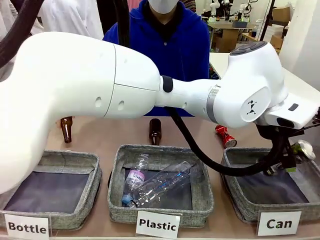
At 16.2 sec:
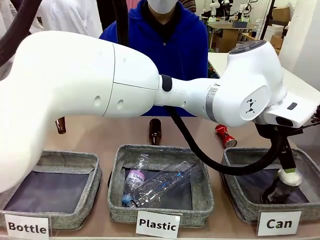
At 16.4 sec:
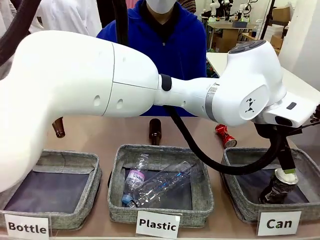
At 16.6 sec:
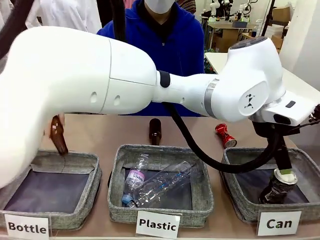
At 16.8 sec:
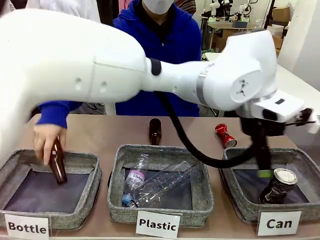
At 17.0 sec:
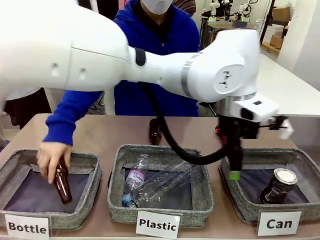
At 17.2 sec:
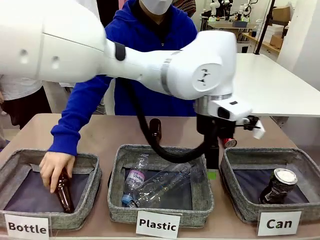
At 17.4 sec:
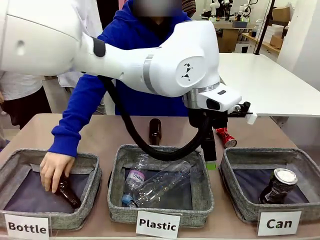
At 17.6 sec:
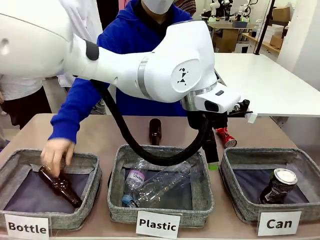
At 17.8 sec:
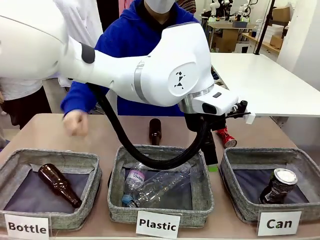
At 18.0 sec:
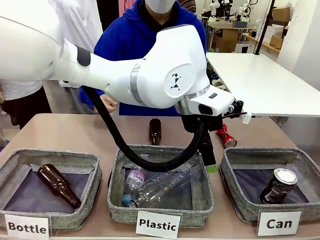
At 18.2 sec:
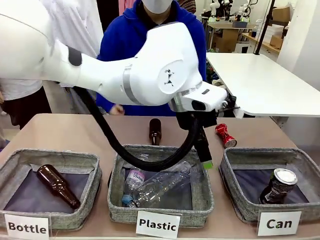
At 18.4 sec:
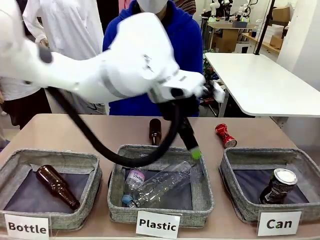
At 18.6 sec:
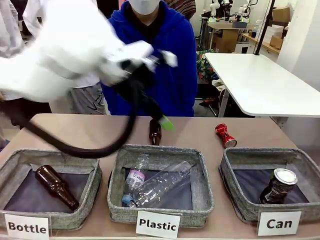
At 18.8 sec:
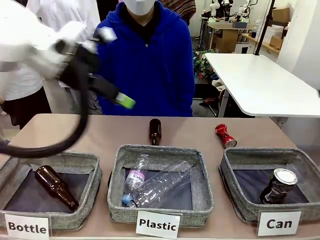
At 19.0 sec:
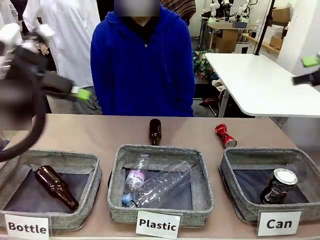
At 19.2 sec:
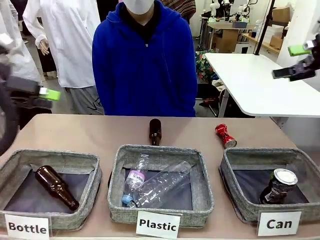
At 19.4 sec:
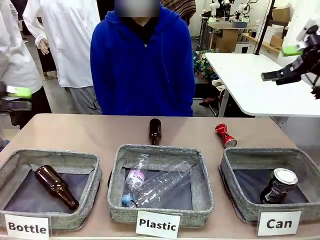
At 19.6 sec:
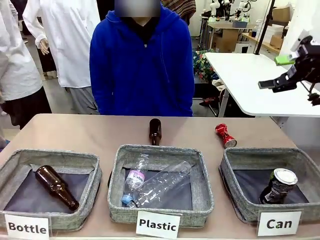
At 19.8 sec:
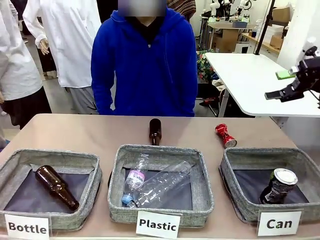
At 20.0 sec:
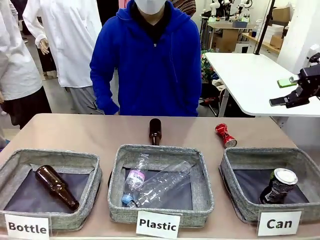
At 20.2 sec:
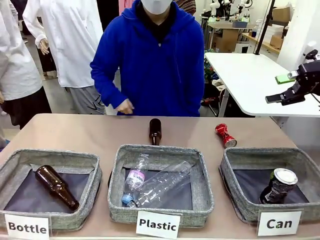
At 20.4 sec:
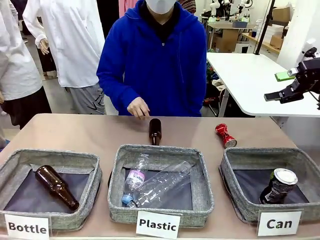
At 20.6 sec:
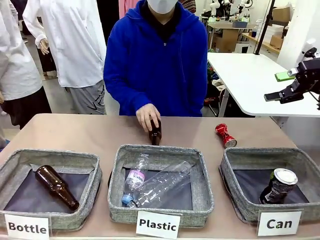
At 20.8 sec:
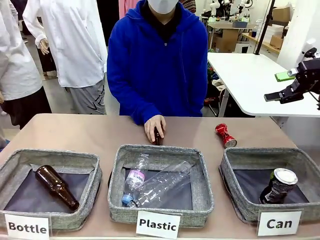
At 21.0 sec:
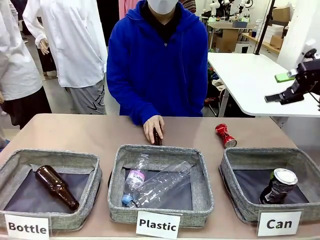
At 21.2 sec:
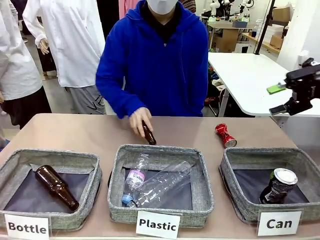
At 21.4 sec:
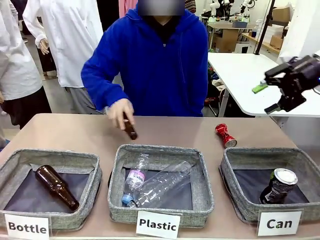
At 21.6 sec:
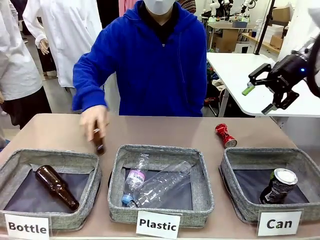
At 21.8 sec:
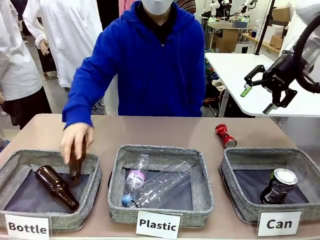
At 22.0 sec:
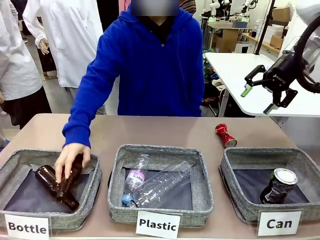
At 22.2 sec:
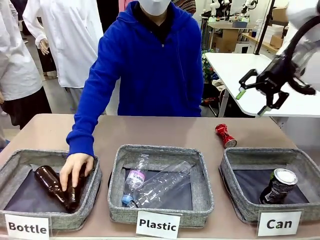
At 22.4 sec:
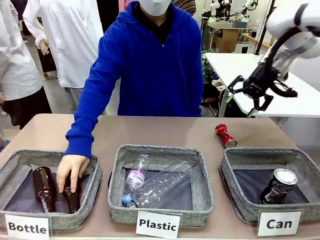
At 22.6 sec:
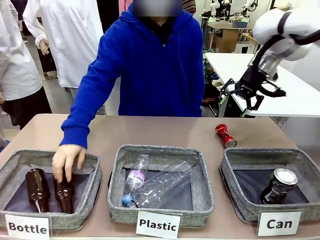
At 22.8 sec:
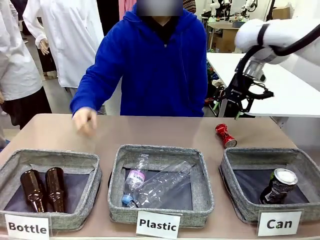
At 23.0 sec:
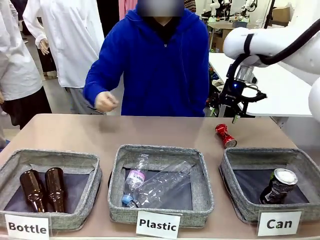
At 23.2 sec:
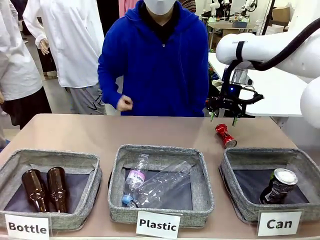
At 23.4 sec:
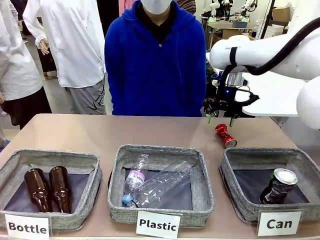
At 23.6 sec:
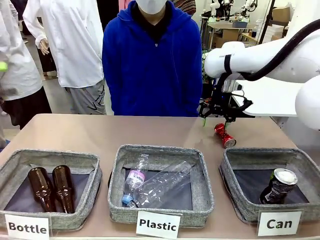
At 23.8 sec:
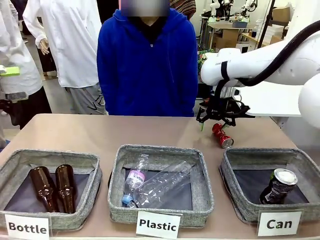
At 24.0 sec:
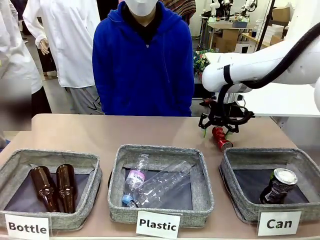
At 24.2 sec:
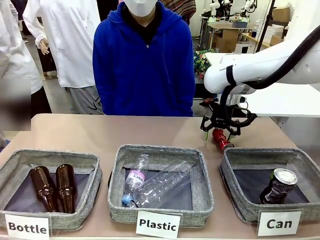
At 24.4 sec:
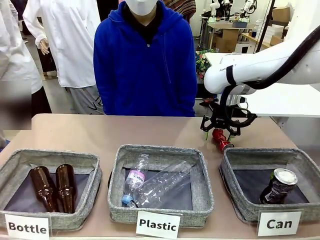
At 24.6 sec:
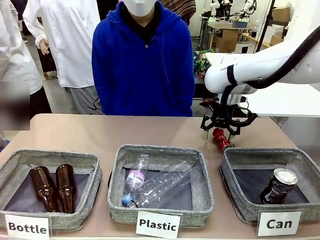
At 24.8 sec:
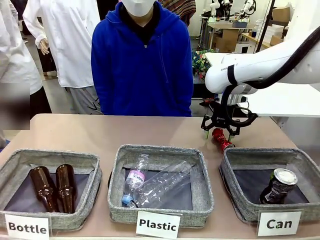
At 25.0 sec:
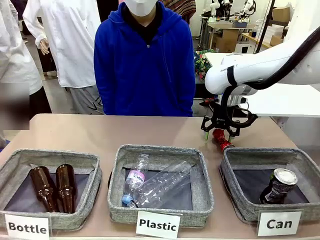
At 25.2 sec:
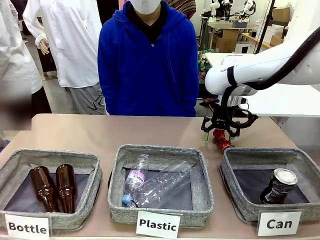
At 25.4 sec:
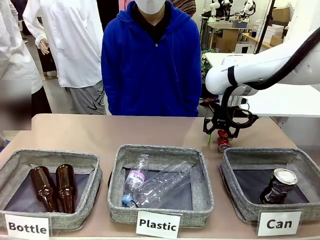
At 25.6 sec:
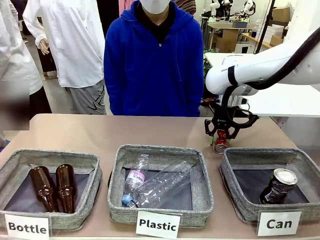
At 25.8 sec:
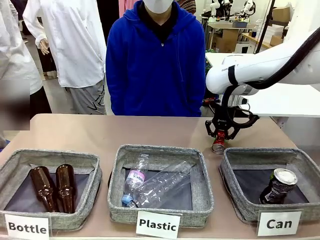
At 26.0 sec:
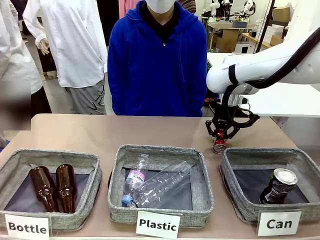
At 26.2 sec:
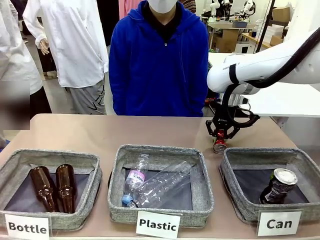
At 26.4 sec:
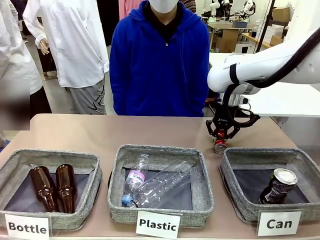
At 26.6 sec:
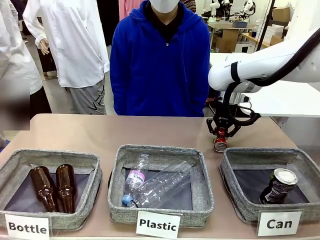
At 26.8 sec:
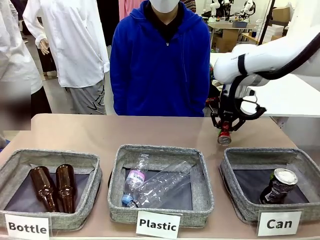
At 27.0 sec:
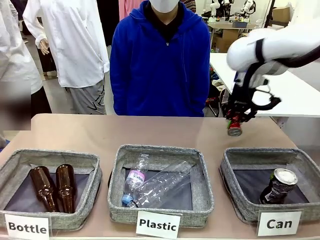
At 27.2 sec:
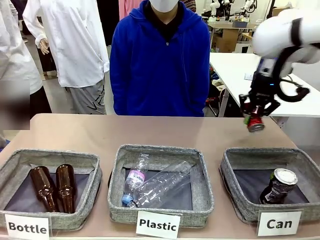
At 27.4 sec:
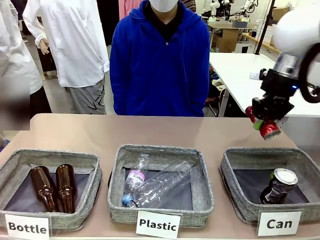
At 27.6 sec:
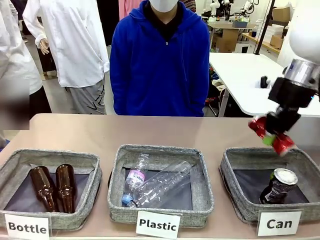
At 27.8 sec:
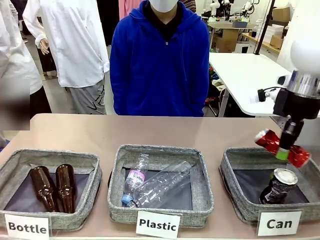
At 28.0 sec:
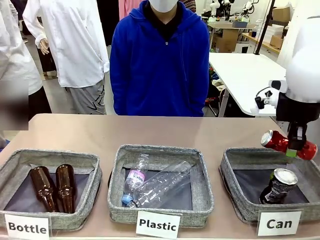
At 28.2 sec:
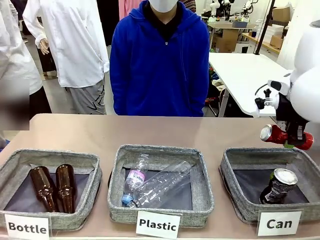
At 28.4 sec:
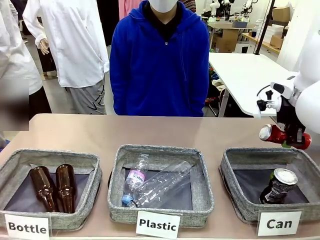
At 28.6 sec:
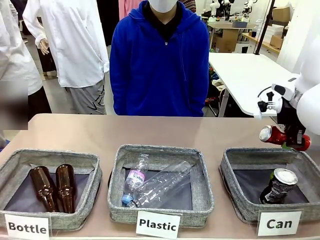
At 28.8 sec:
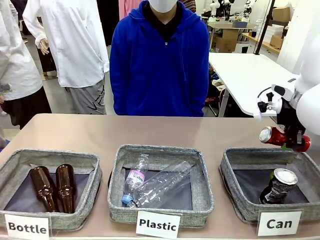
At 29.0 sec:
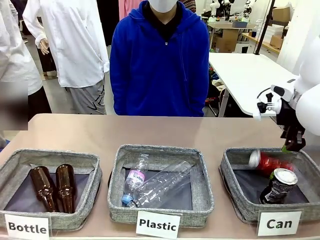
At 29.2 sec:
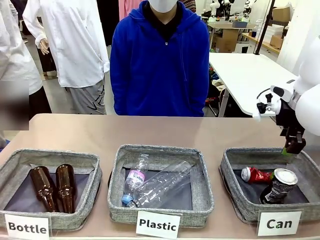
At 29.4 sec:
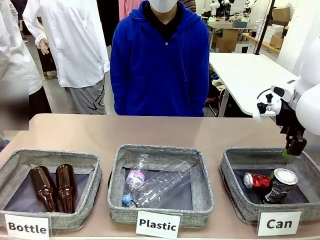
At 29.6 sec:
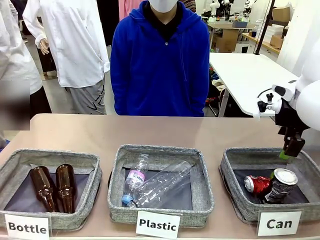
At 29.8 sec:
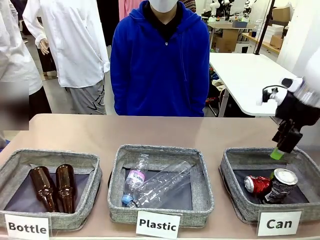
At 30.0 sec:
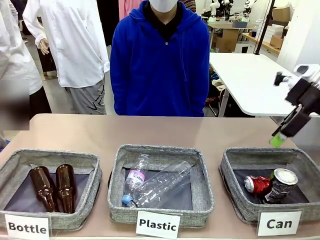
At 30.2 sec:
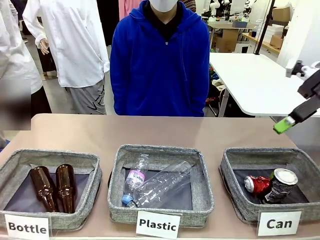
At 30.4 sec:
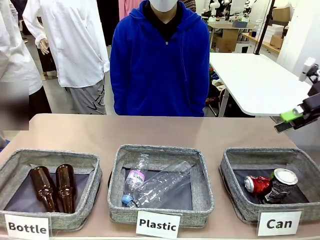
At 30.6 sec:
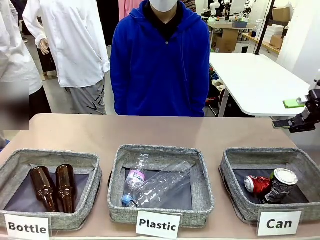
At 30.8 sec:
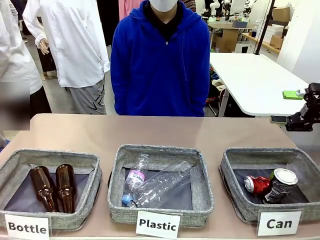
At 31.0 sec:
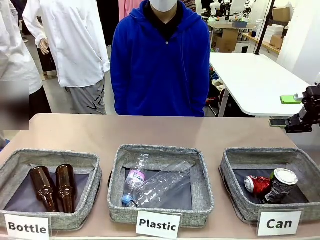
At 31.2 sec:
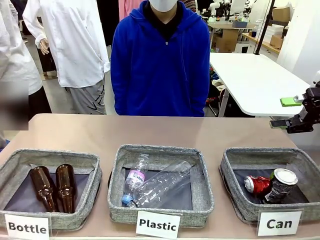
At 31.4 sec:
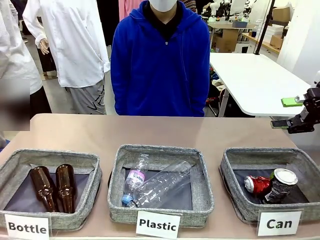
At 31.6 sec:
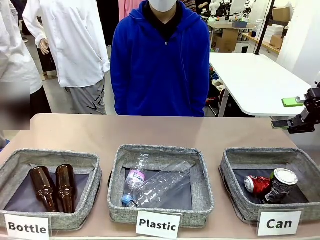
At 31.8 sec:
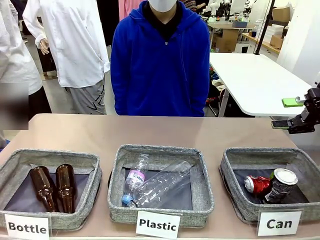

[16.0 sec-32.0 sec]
Task: Sort the can waste into the basket.
Robot: Pick up the can waste from the table and place it in the right Fabric basket.
